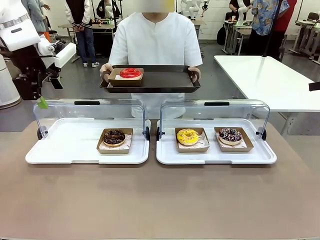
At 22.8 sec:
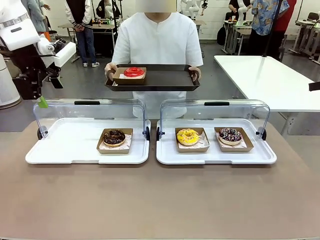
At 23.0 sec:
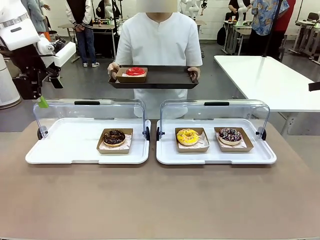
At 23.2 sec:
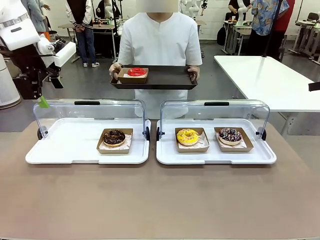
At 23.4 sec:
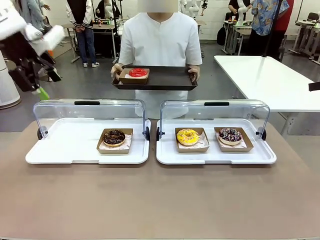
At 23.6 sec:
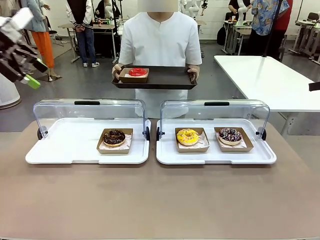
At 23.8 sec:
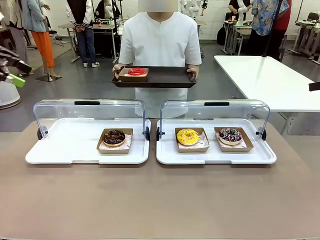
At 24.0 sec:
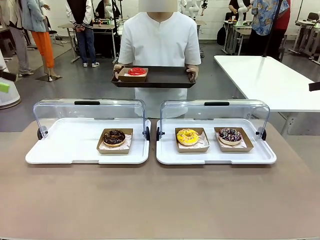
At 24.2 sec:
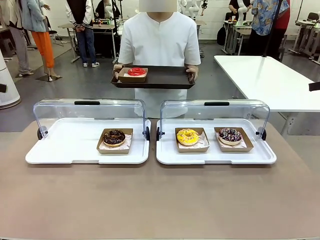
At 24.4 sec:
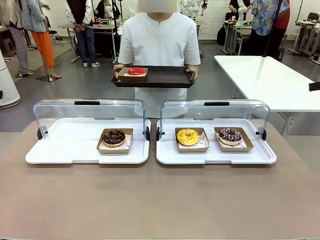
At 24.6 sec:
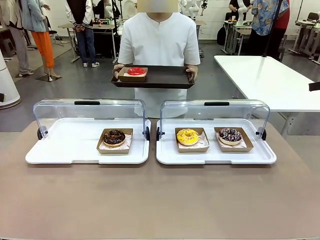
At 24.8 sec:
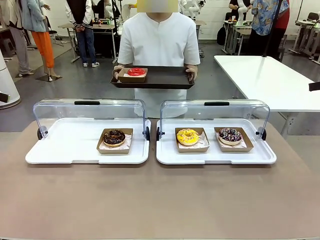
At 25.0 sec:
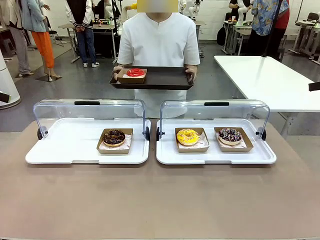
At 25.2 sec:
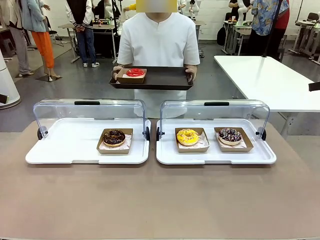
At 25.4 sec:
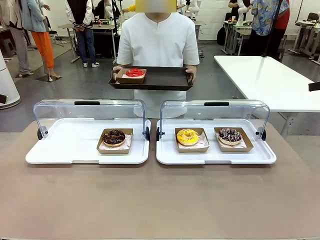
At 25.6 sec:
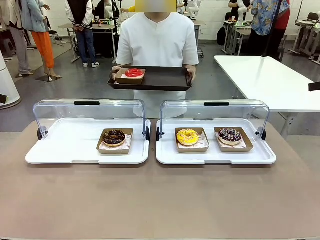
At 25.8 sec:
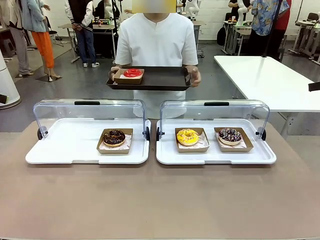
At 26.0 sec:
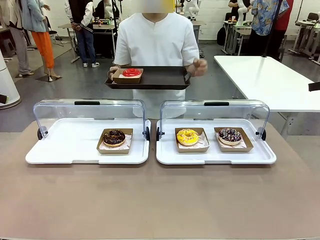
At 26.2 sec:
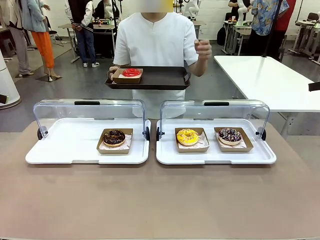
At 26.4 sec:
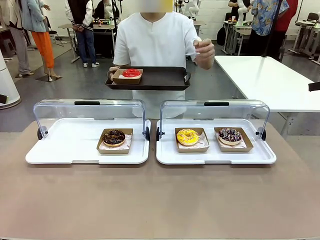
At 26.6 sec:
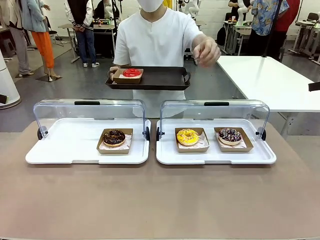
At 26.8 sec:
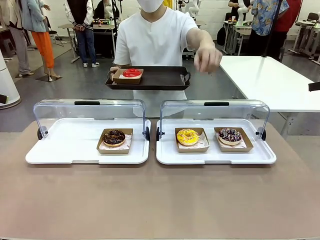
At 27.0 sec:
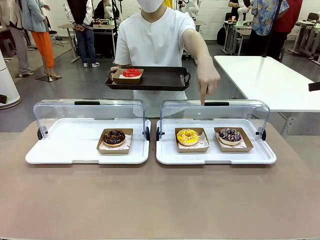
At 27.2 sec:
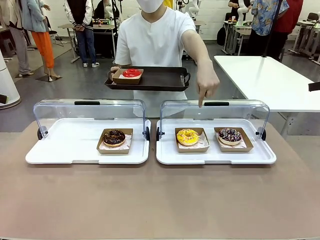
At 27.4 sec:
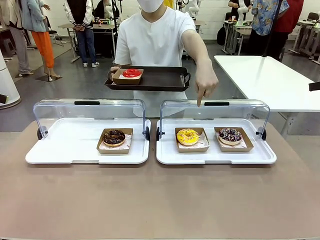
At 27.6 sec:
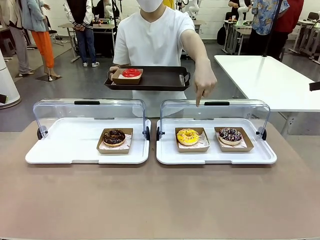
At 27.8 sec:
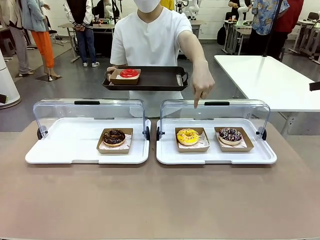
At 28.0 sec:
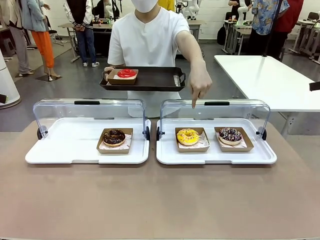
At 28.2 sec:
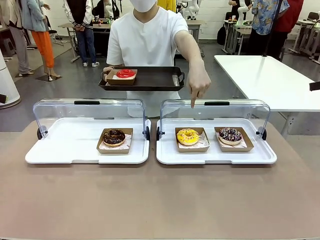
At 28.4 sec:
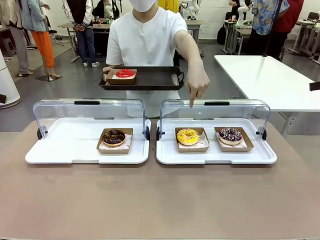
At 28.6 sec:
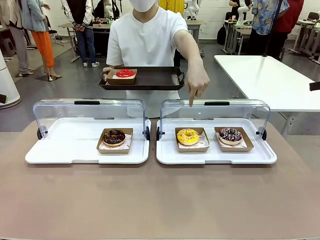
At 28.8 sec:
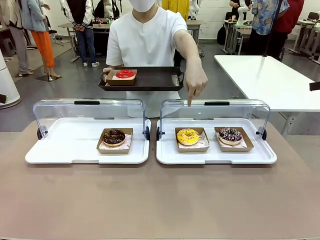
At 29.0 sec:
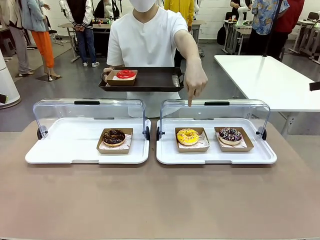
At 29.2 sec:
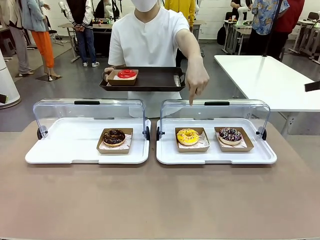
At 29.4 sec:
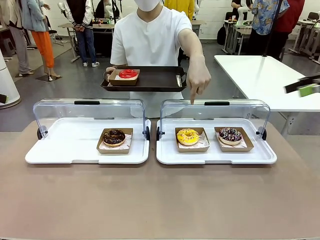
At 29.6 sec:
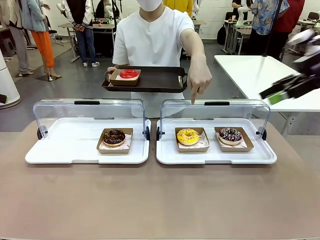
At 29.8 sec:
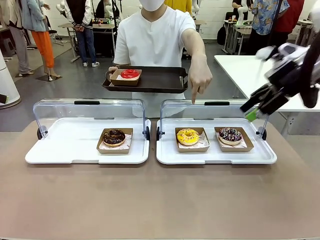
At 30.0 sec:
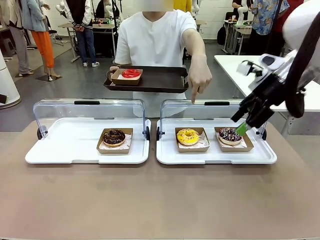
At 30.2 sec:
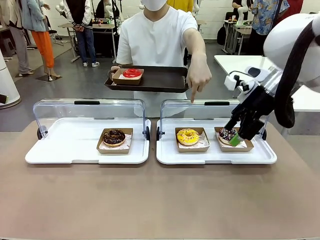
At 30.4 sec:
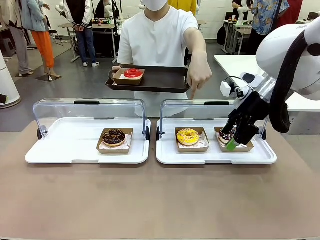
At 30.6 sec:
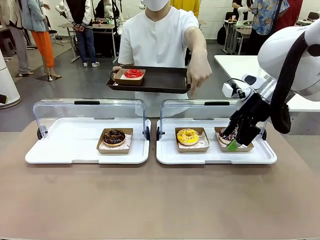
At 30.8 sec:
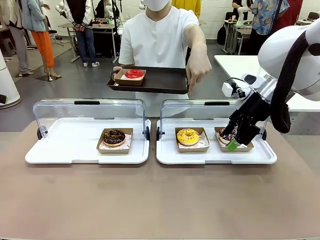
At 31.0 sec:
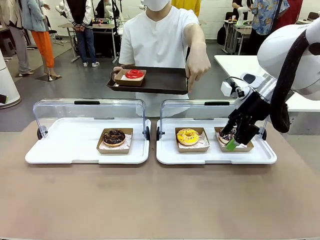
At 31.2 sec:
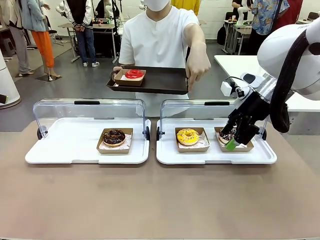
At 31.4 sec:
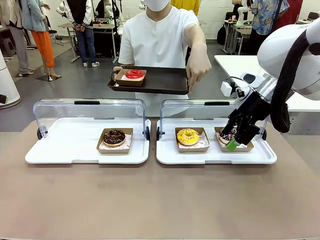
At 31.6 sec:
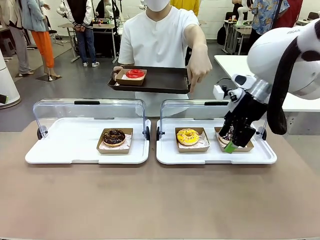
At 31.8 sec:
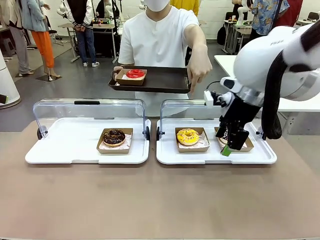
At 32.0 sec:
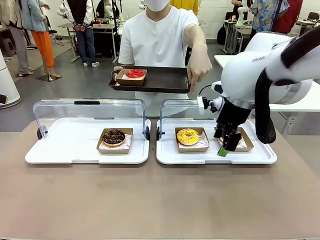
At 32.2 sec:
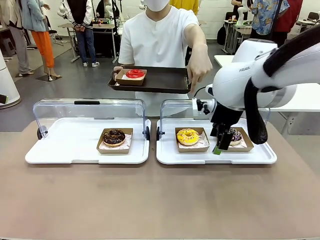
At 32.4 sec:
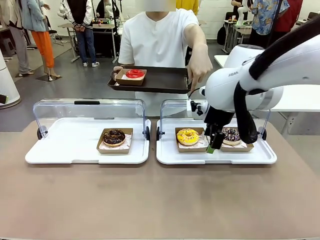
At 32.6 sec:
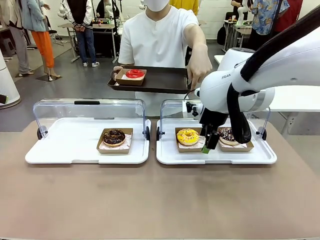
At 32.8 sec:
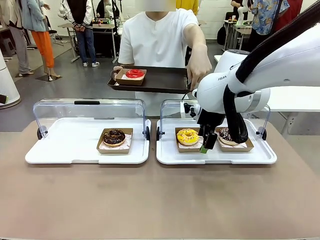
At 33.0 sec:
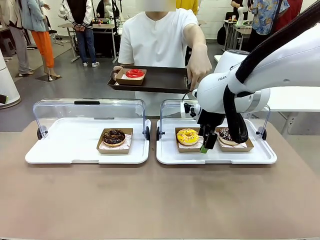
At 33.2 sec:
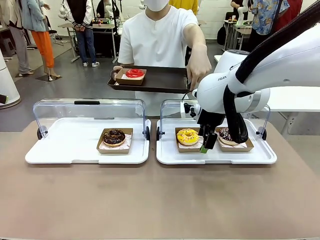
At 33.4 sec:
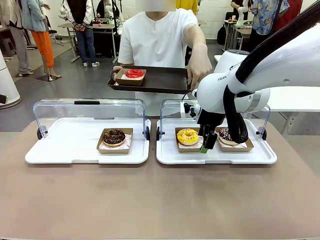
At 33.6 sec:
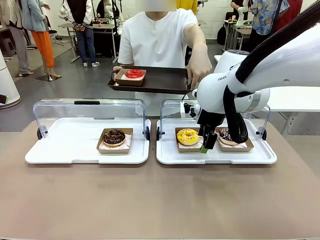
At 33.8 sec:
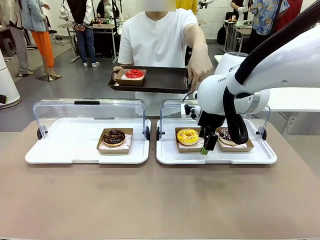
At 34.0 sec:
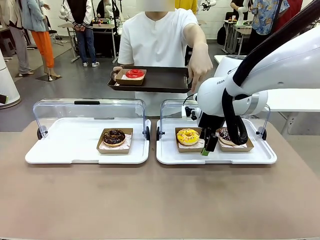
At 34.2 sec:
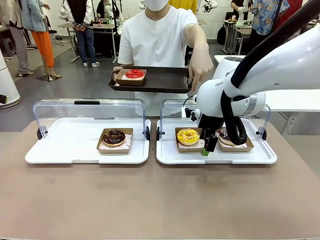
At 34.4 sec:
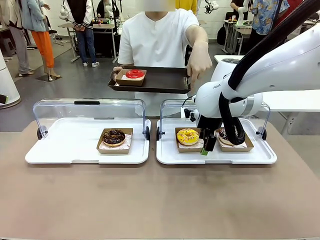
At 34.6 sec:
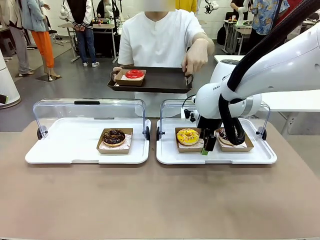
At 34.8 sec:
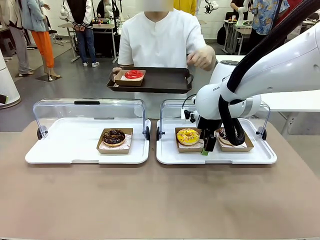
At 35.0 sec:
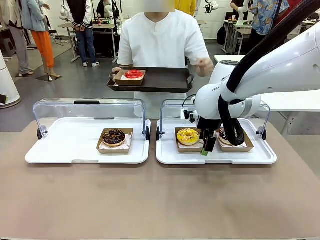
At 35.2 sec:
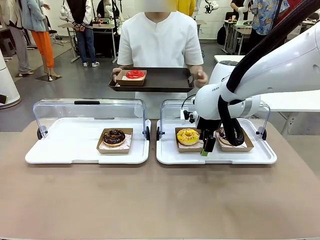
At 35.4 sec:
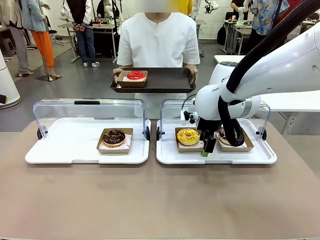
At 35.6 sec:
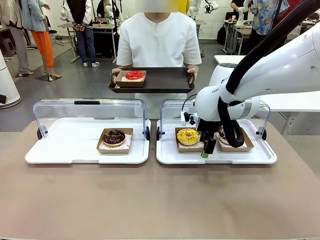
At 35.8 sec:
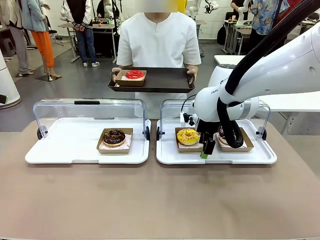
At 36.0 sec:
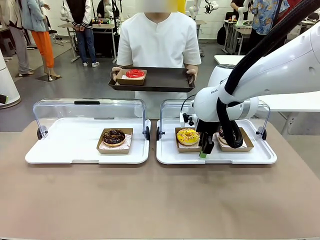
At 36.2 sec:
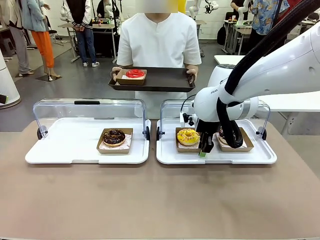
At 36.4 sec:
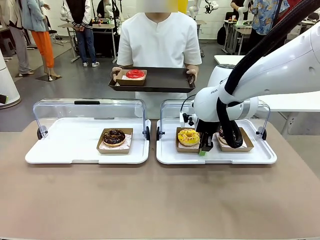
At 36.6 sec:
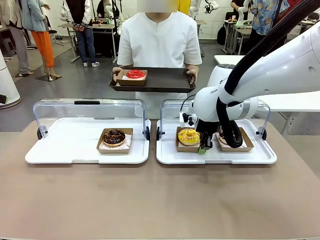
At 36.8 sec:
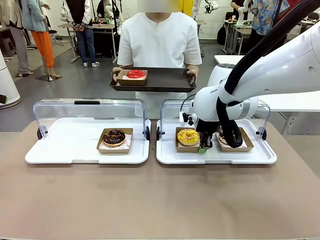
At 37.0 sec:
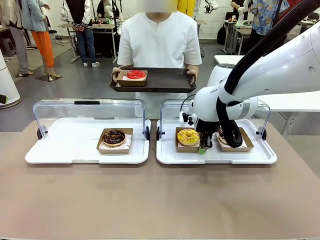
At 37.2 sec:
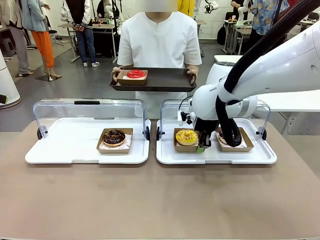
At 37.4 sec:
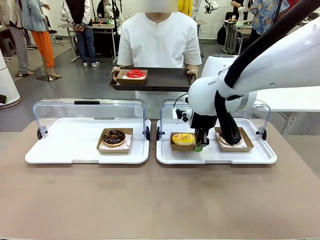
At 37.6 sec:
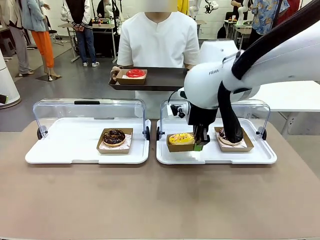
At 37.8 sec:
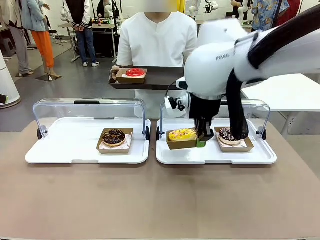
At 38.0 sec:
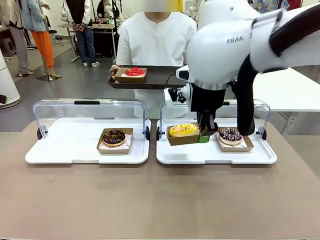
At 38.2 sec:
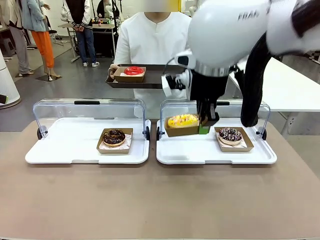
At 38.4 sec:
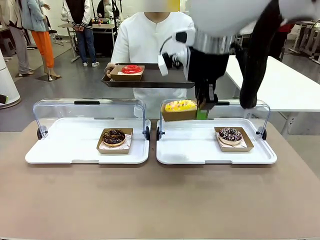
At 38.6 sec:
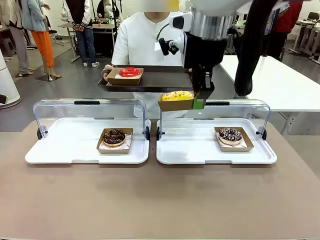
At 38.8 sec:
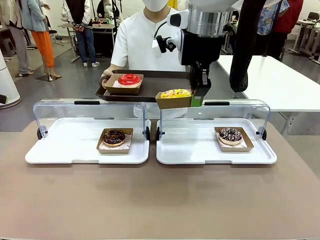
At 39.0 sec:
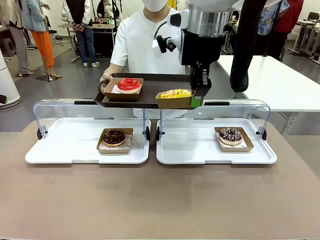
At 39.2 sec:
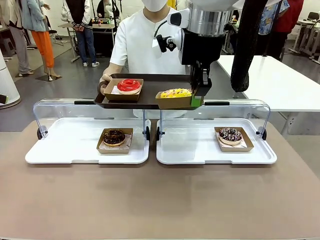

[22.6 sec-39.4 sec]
Task: Provide the desired donut to the person.
Robot: Pick up and lift the Paper togo box containing the Donut pointed at by the person.
Person: Point to one donut. Lift the tray onto the Roll-Top Bakery Case.
